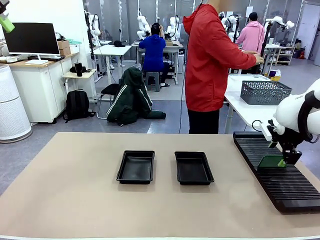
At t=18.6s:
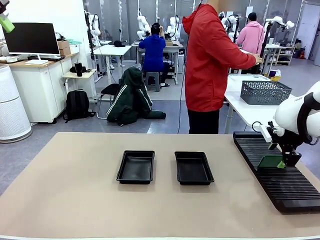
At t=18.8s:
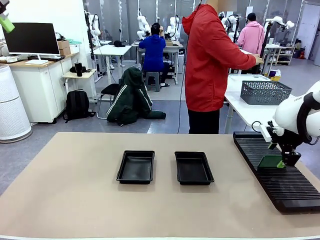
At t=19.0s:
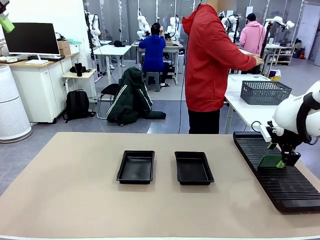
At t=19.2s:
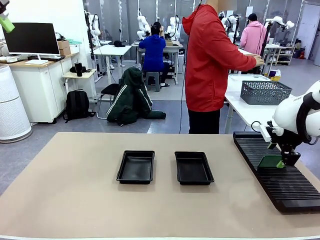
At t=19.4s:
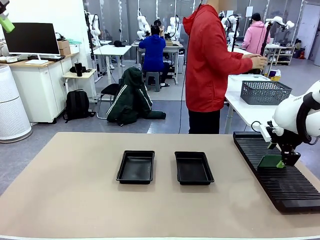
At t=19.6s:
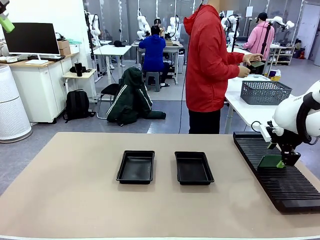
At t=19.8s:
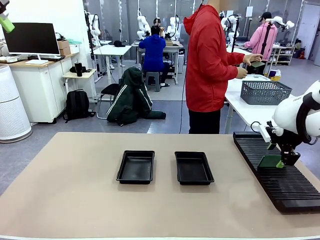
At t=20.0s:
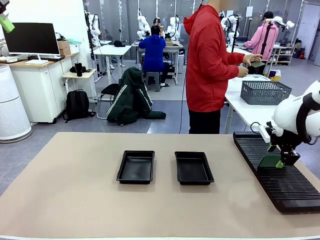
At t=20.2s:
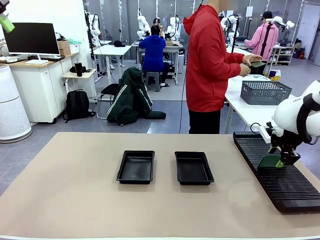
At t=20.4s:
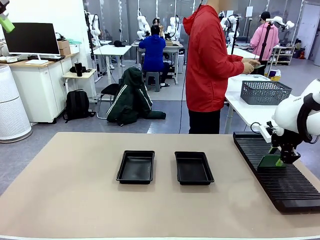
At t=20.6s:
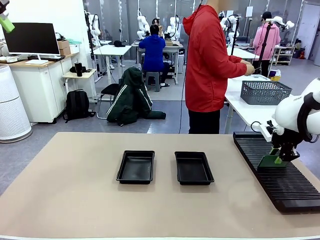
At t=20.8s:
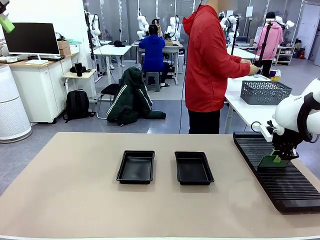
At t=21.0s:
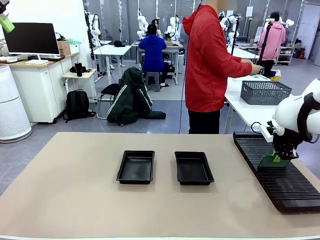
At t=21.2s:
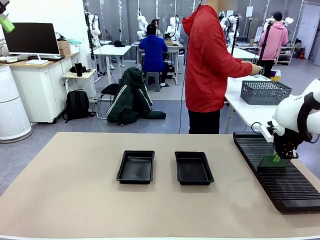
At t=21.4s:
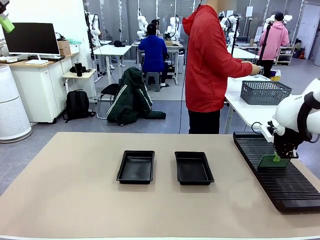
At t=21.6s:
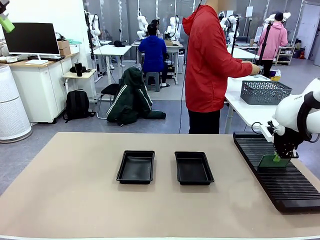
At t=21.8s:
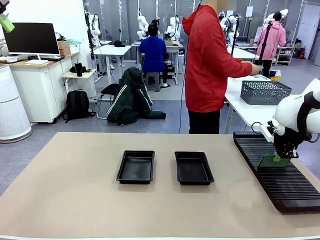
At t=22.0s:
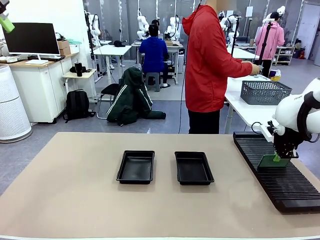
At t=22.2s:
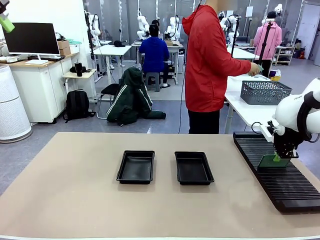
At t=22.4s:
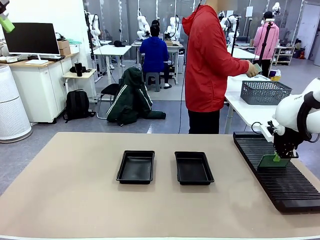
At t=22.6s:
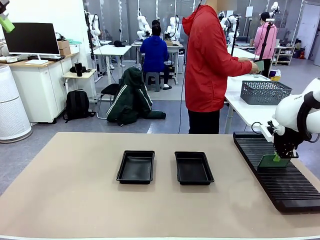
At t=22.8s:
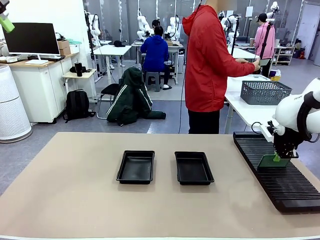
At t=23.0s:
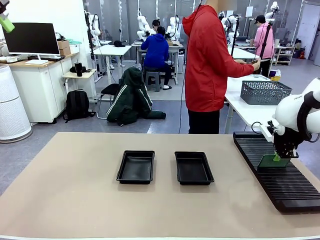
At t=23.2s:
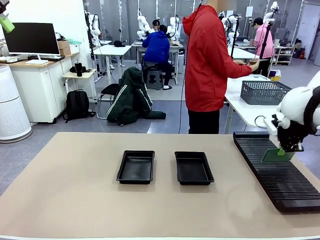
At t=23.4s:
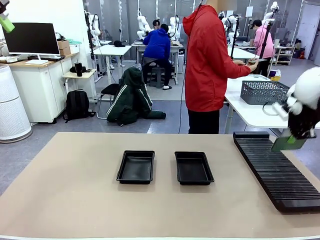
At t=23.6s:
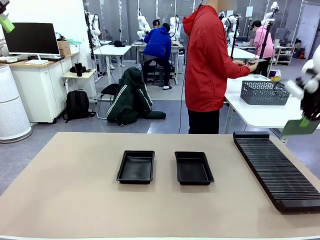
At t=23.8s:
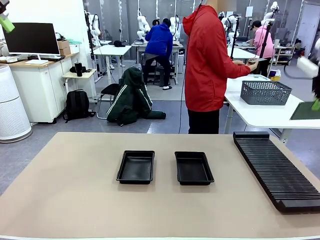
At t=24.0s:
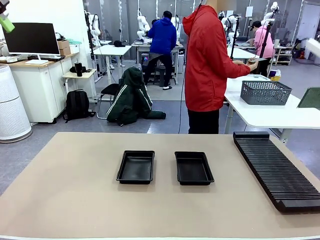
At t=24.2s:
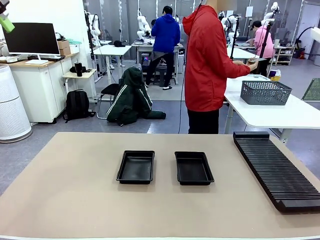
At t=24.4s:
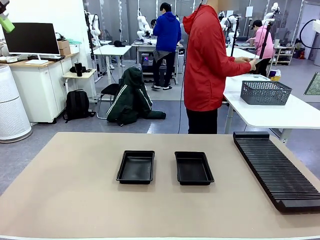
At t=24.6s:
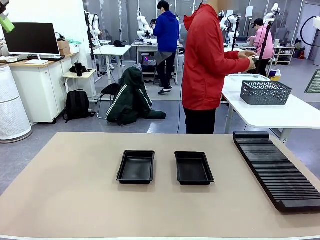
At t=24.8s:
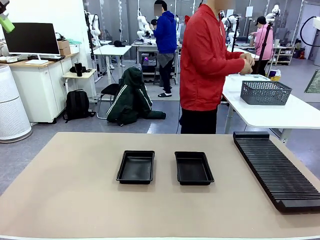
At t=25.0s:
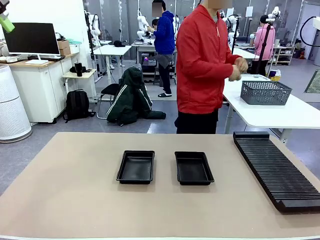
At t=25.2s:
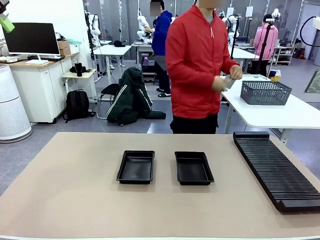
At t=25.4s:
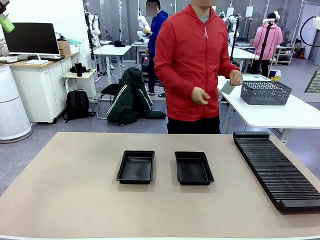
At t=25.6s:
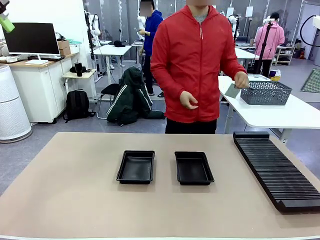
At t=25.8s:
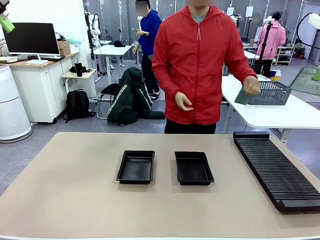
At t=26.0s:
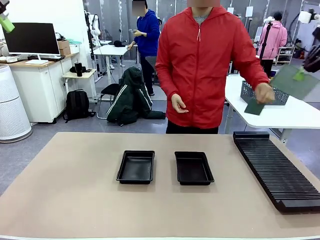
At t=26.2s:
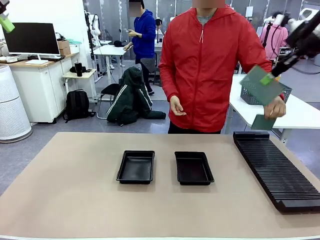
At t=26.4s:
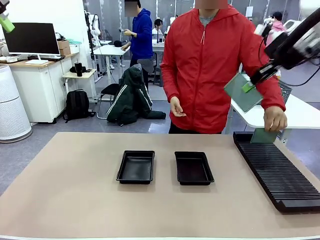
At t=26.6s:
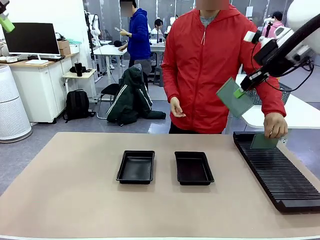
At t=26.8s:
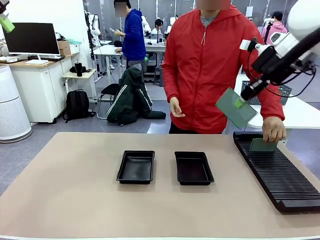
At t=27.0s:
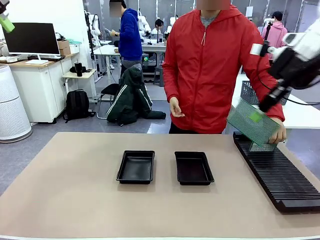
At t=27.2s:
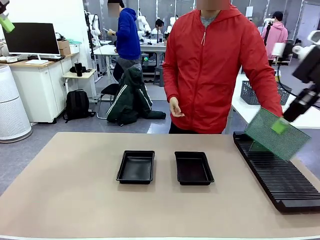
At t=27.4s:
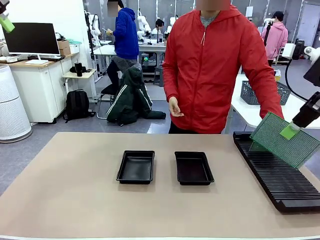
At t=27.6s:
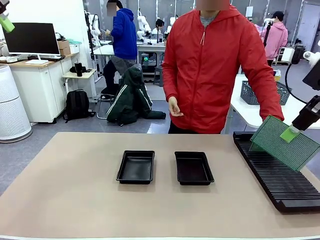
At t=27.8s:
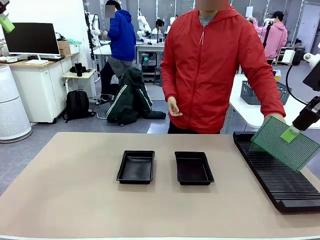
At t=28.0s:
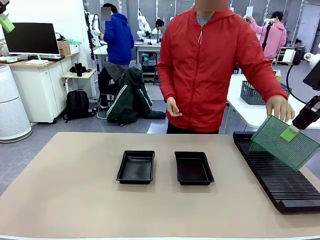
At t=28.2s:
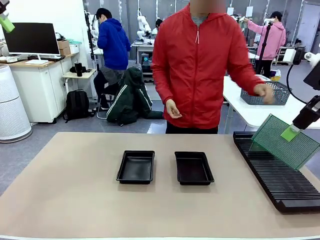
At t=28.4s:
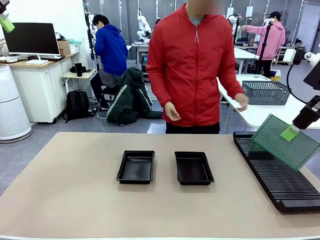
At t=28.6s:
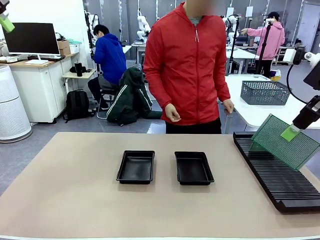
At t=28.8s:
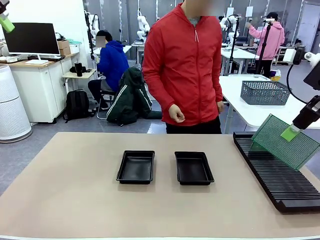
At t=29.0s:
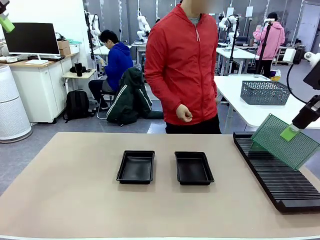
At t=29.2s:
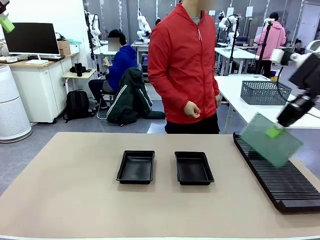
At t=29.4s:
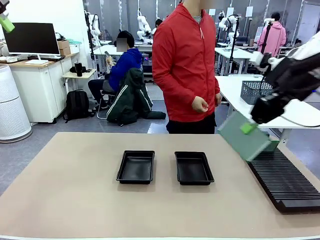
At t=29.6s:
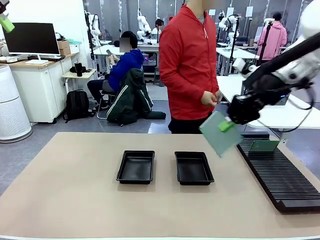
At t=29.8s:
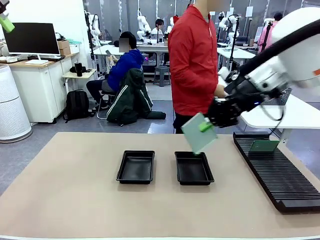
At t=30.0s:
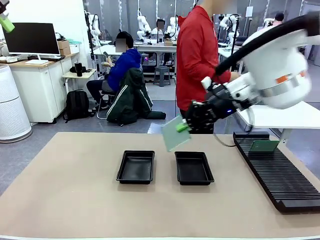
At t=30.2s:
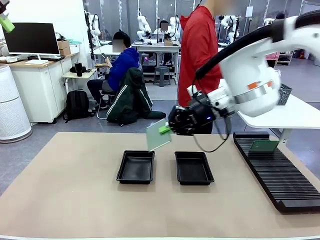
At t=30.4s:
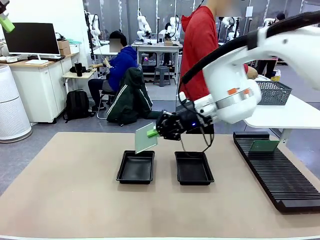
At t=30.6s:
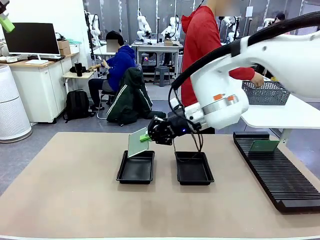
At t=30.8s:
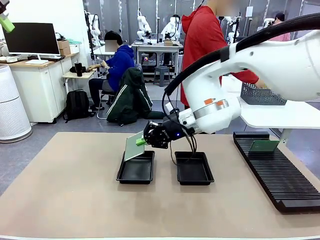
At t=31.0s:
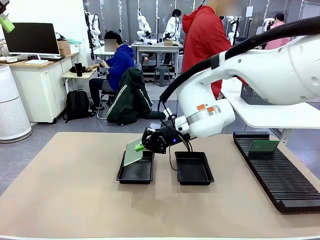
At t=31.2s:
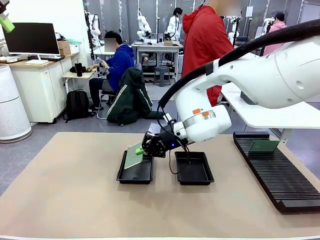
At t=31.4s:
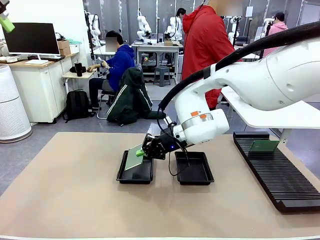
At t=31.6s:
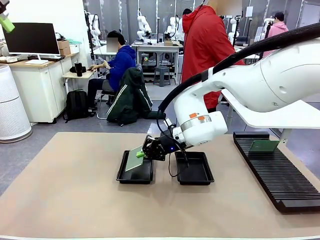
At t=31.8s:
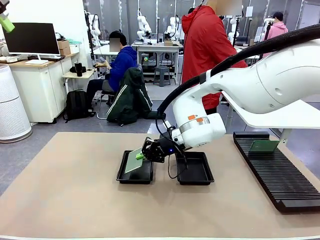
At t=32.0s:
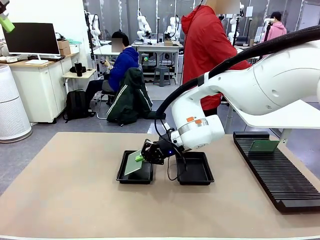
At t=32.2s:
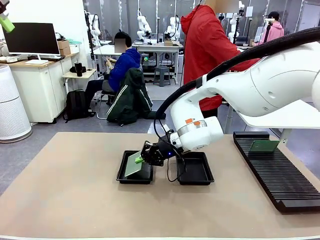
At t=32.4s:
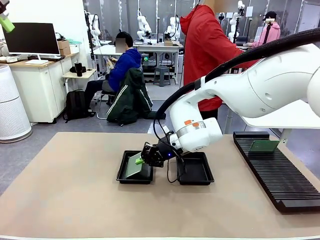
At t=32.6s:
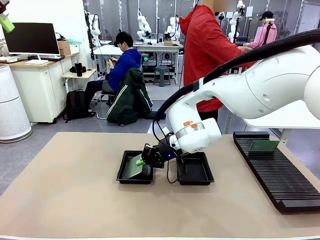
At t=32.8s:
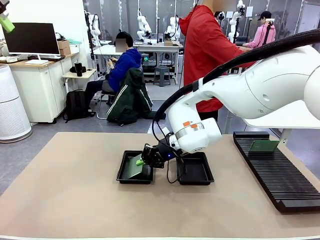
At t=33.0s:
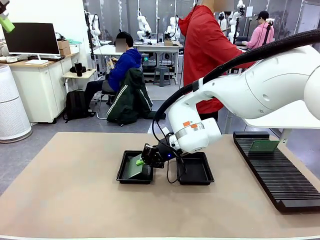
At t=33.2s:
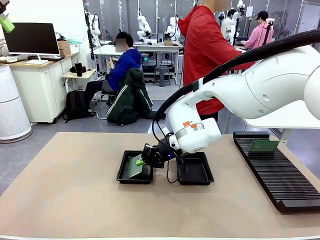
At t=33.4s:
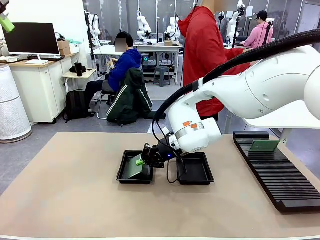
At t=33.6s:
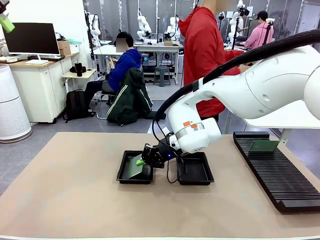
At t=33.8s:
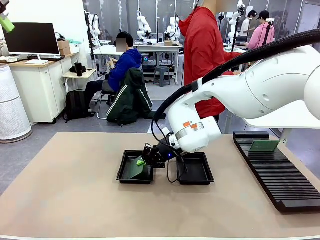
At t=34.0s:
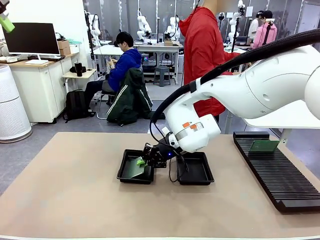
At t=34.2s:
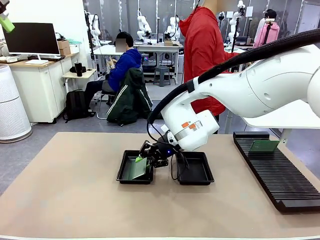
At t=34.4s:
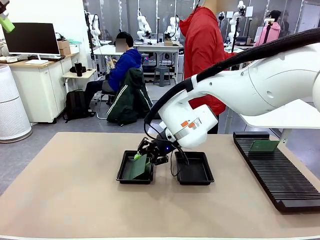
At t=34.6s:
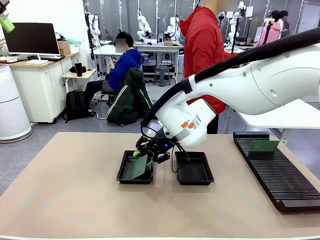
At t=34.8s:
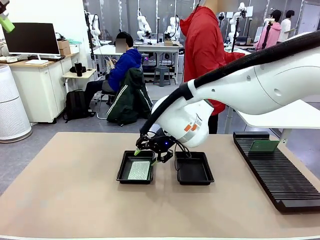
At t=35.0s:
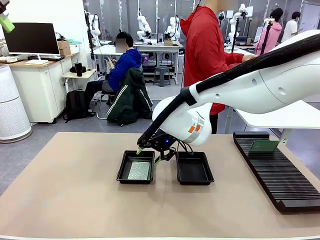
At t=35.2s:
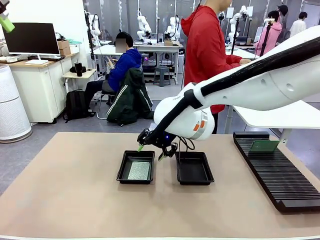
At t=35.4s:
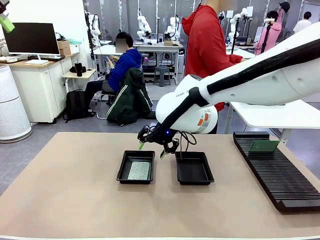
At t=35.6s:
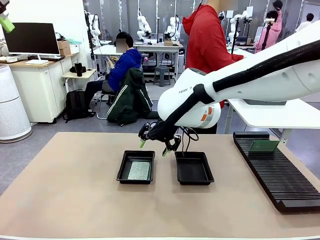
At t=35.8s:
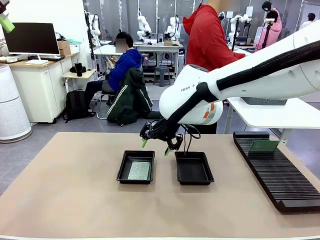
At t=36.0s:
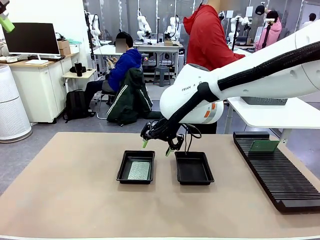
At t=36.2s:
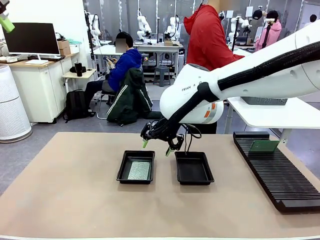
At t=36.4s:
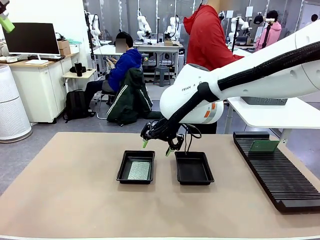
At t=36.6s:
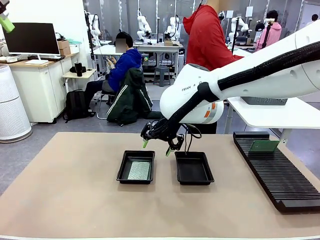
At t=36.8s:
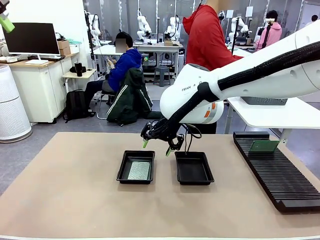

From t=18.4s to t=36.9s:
Task: Inspect and transfer BCBs to ESD trays.
Robot: Pick up the Blank PCB from the PCB Rack and place it in the left ESD tray.
